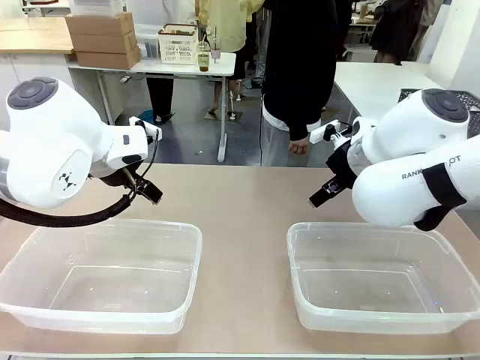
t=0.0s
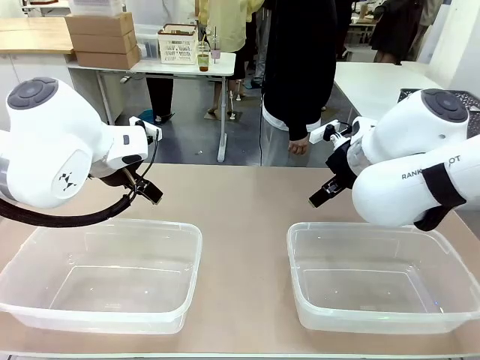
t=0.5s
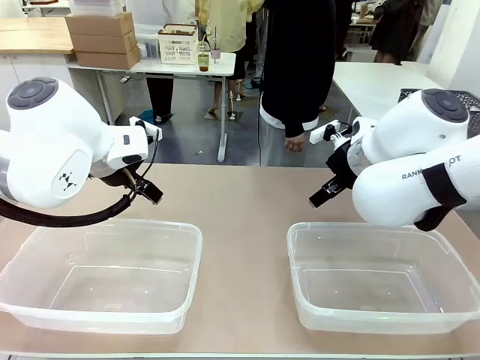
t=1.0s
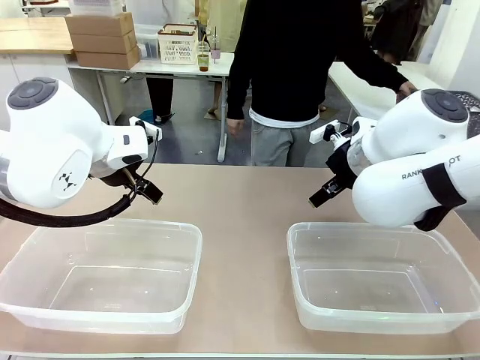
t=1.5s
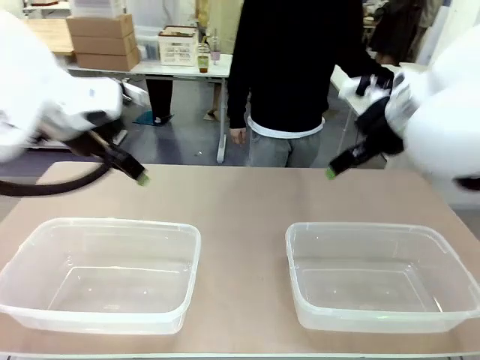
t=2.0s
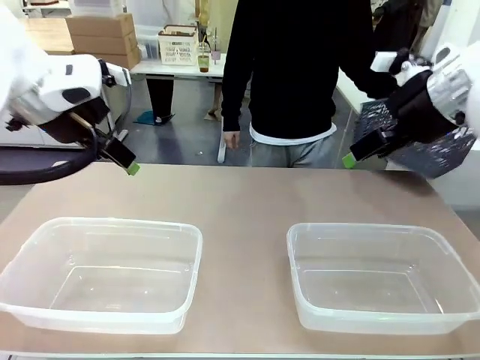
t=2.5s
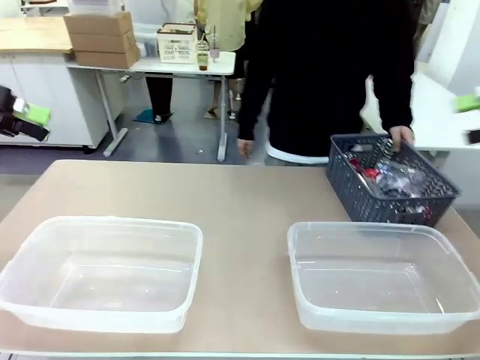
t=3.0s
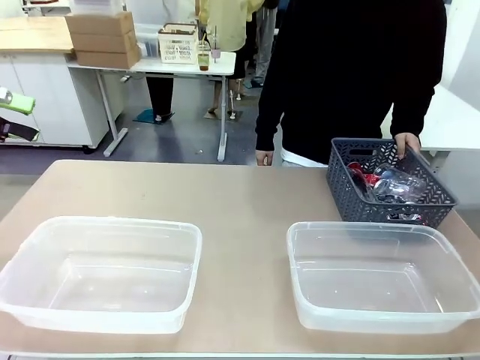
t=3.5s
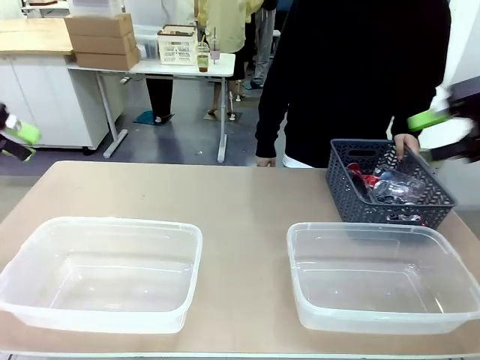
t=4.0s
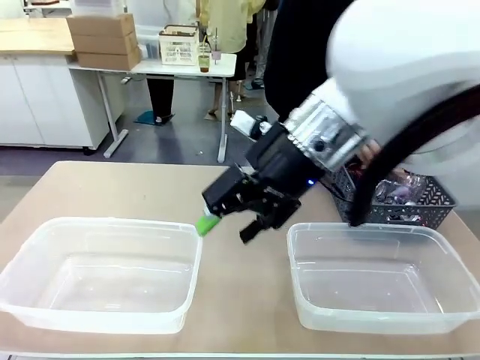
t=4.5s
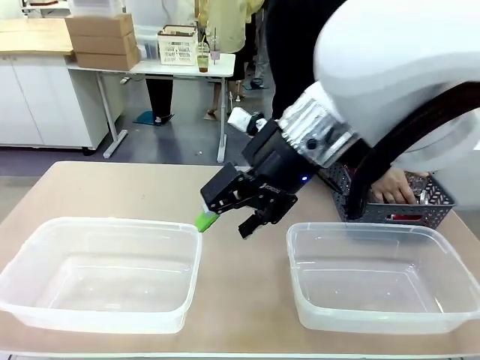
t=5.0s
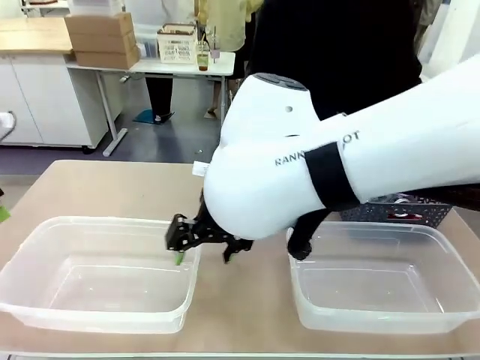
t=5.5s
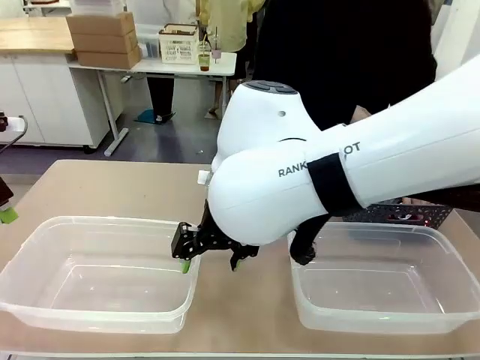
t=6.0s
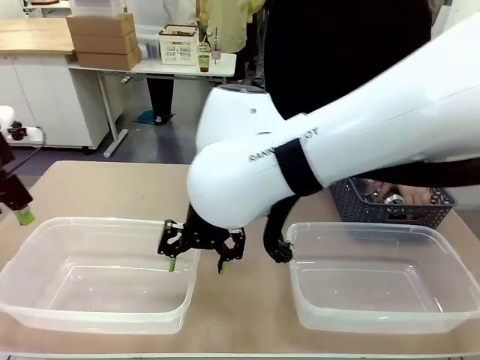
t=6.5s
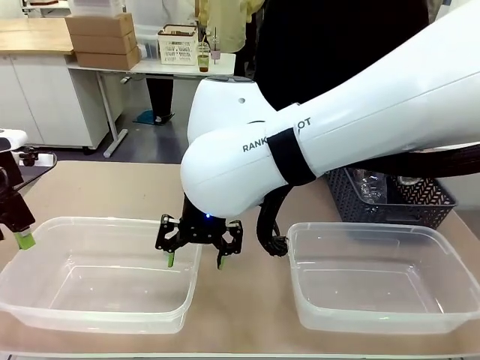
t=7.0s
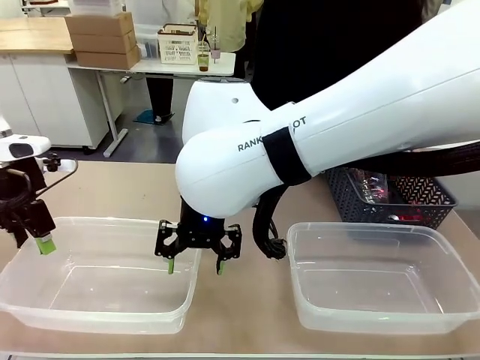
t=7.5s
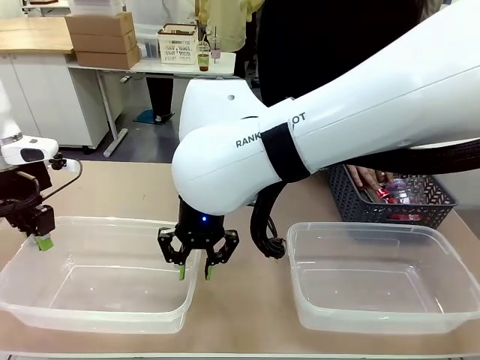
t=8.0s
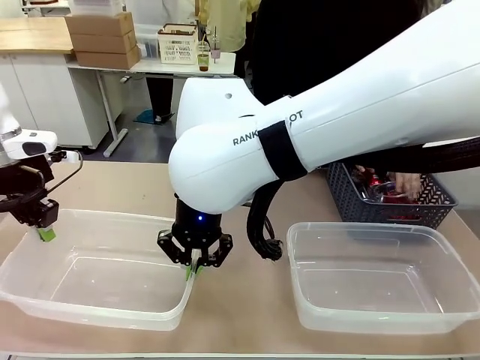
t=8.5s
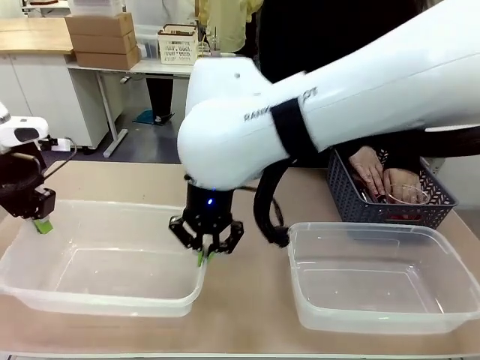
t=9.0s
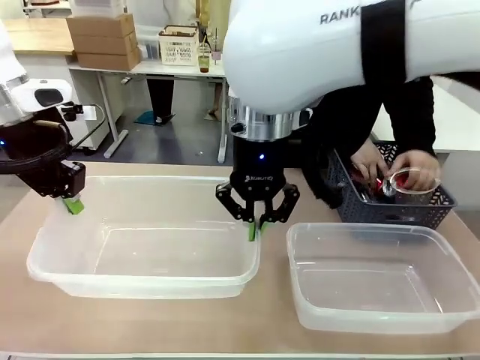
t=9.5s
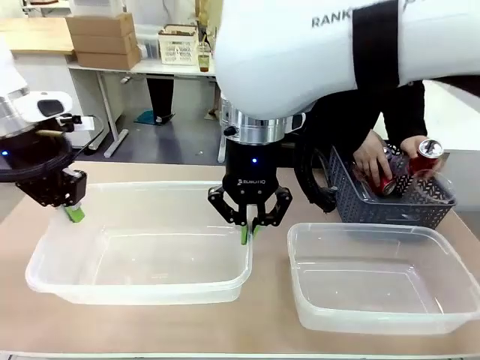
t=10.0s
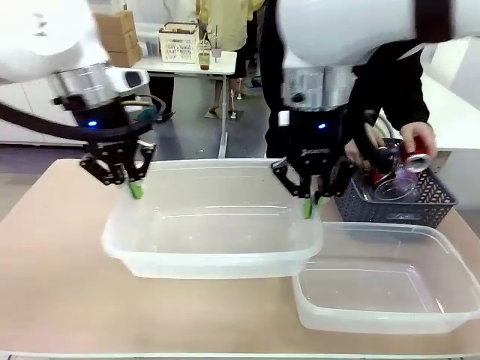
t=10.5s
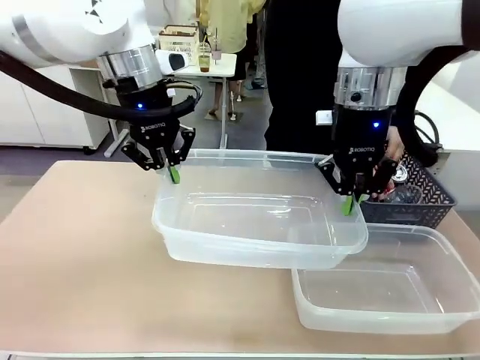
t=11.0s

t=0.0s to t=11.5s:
Robot: Pick up the Organizing box on the left side of the table and lift it.
Person: Pick up the storage basket and place it on the left side of the robot table. Pick up can-shaped waste one by one and place it into the organizing box lifted by the robot.

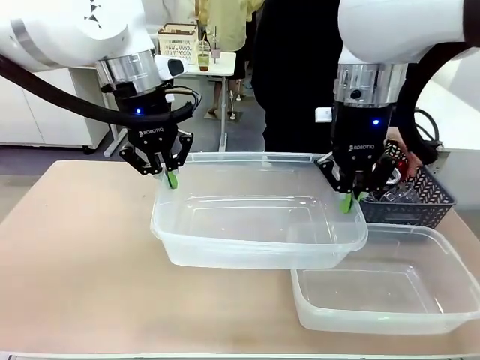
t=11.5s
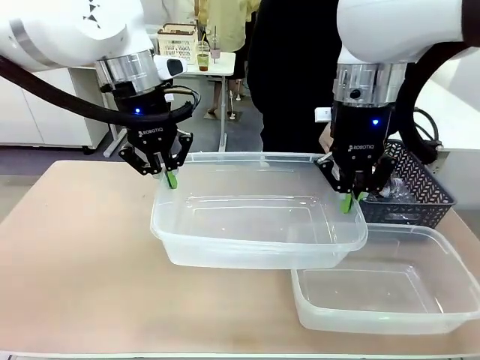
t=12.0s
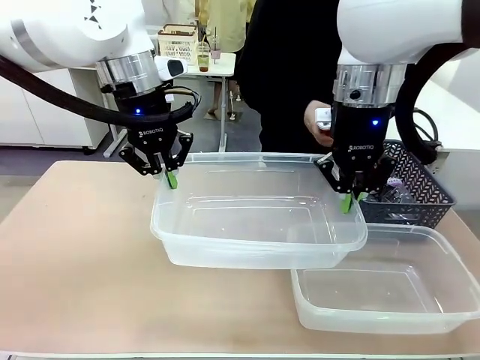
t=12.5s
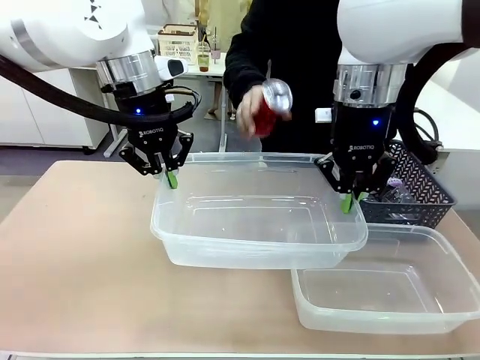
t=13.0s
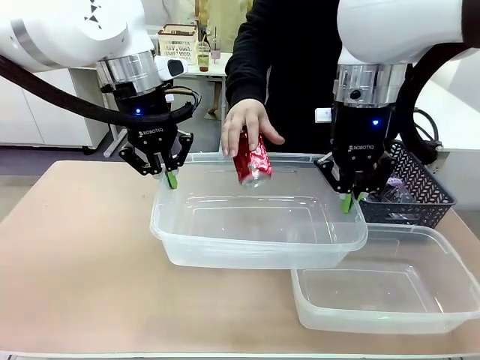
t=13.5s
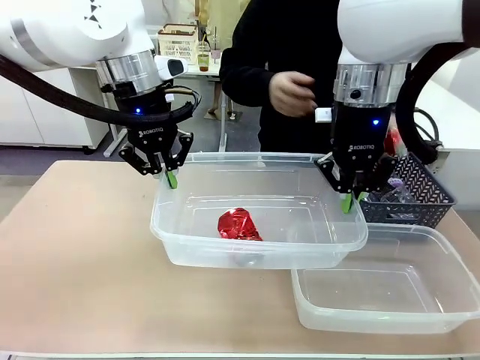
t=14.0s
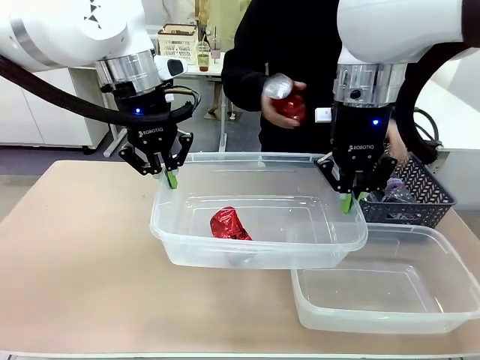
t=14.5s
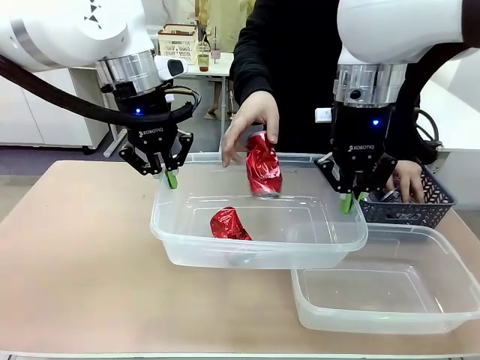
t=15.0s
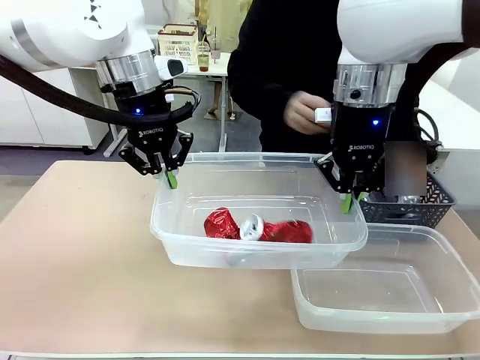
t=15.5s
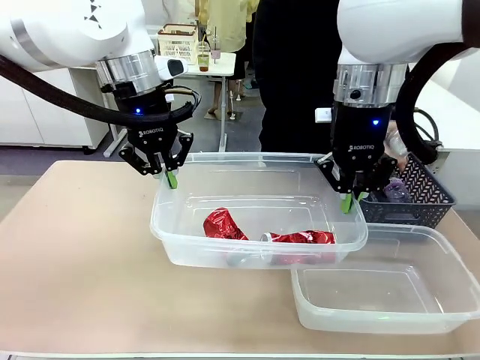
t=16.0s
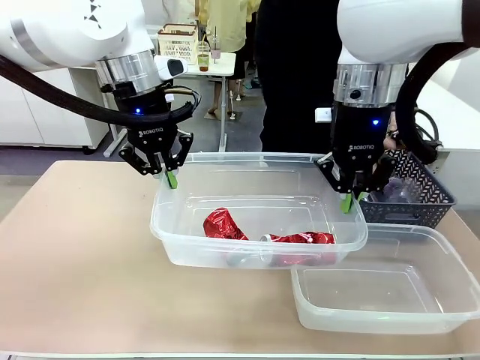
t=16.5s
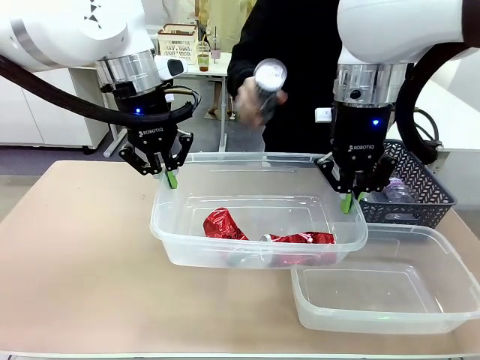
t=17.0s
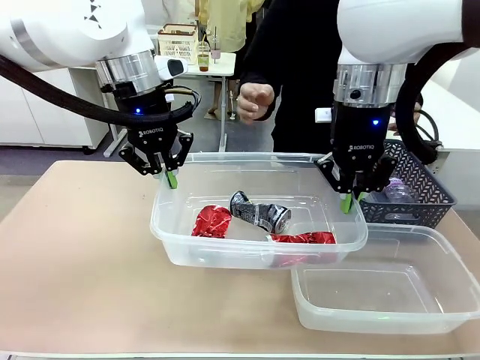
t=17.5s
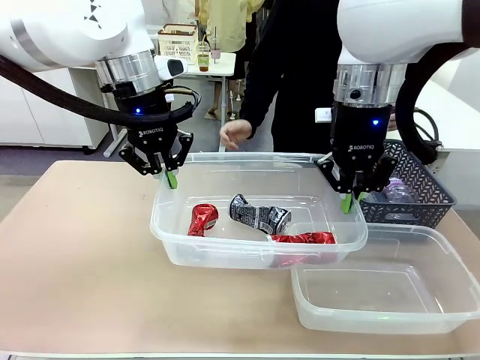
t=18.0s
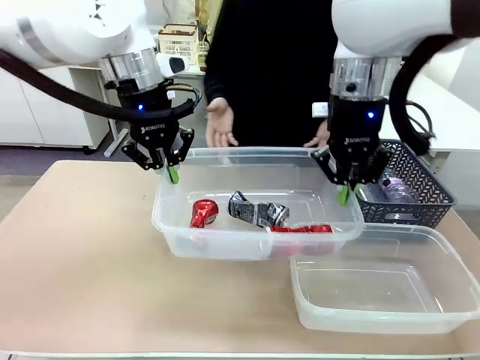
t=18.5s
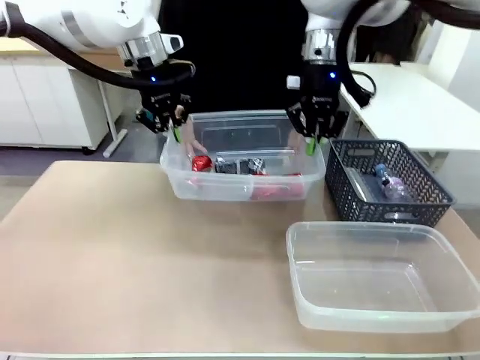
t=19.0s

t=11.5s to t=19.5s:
Robot: Offer the picked Organizing box to the human.

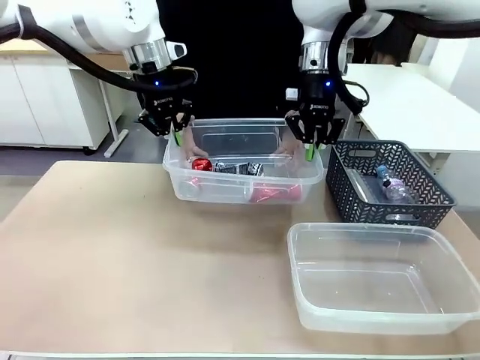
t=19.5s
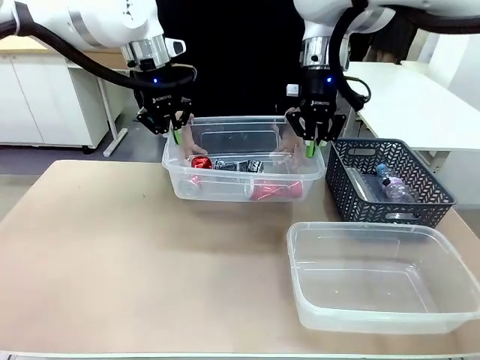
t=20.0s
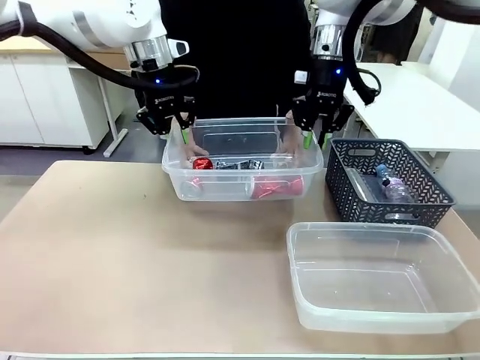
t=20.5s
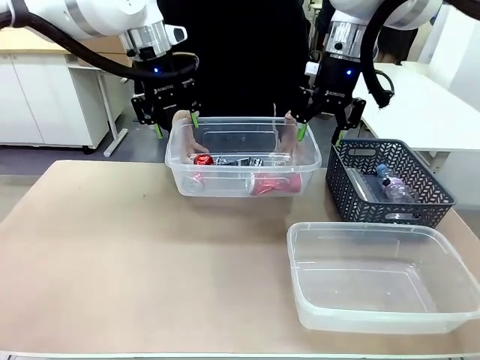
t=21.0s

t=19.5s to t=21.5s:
Robot: Release the Organizing box you were holding.

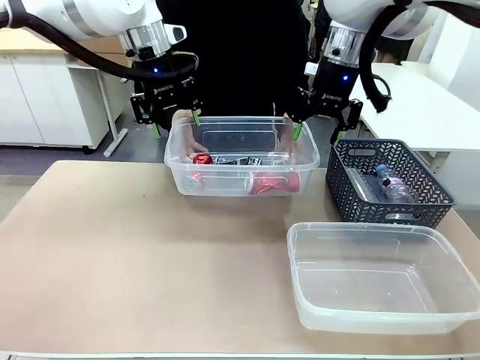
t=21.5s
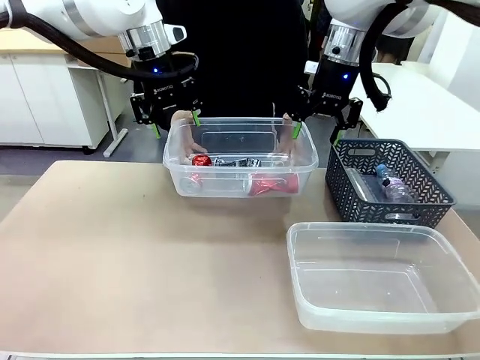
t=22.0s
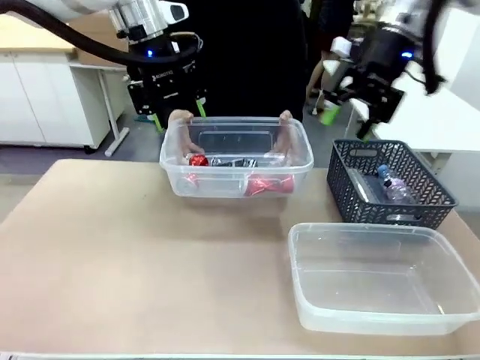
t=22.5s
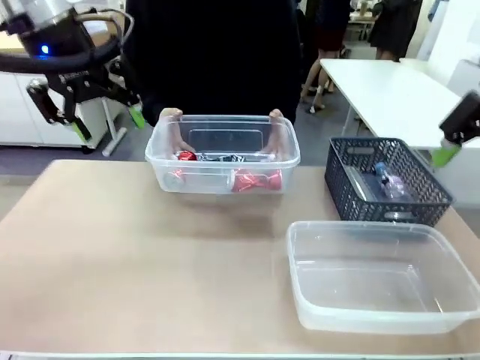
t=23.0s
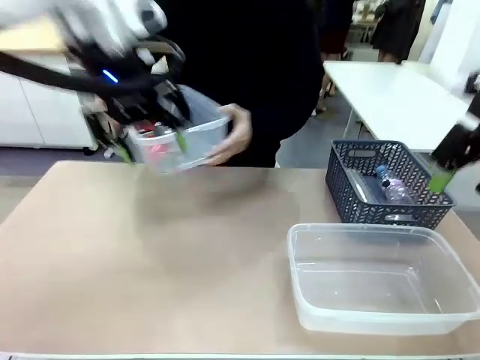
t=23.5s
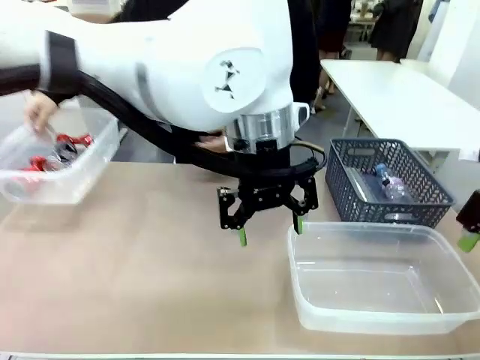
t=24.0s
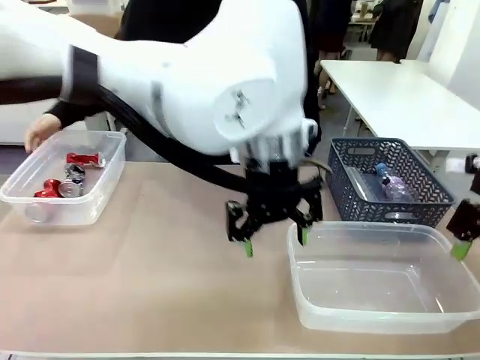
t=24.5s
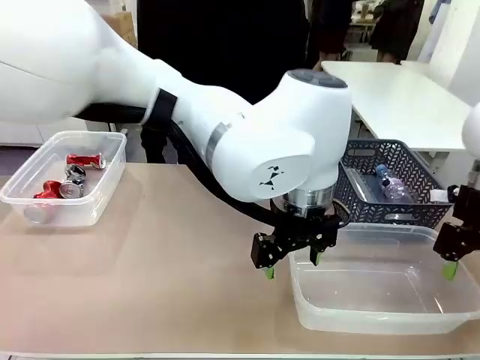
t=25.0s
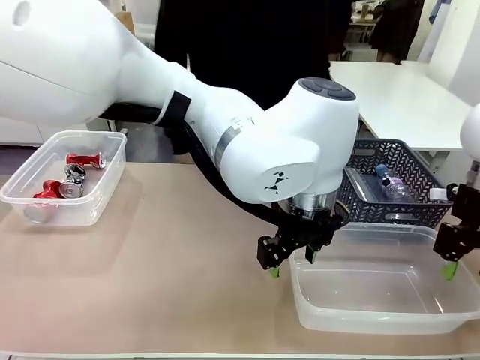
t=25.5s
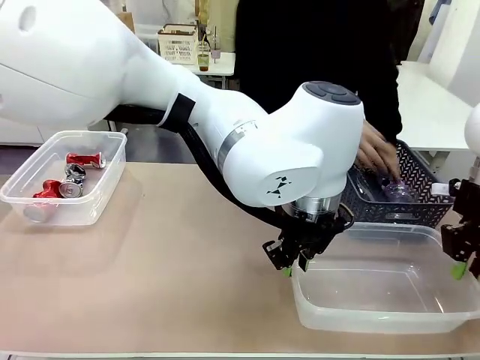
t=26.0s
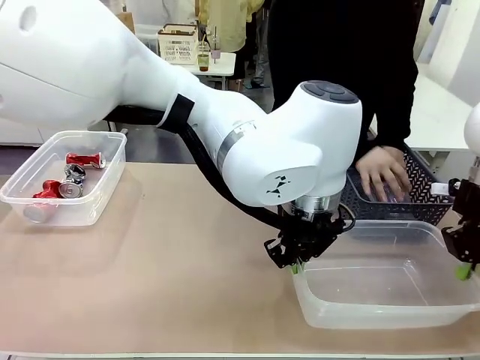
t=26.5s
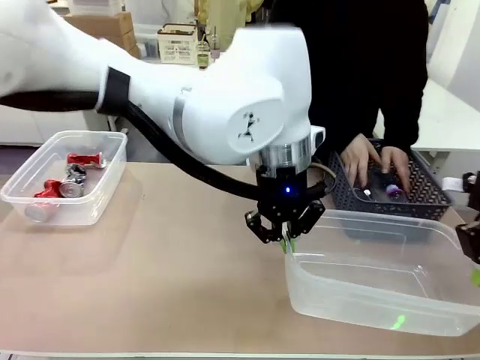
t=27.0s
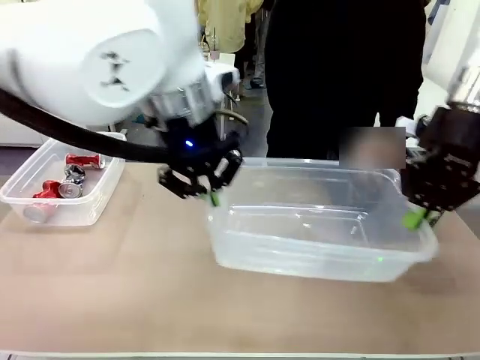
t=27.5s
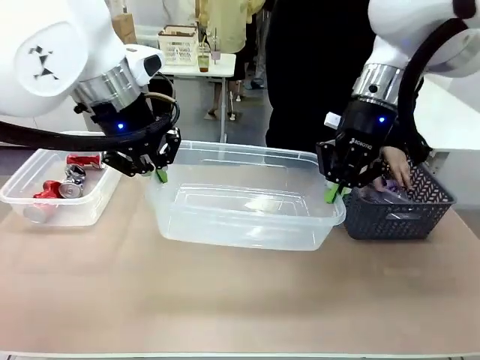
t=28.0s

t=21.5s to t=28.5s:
Robot: Pick up the Organizing box on the right side of the table and lift it.
Person: Place it at the edge of the bottom right area of the robot table.
